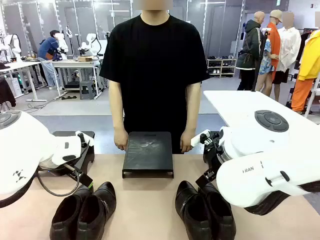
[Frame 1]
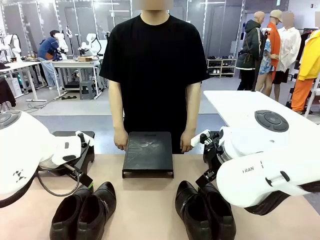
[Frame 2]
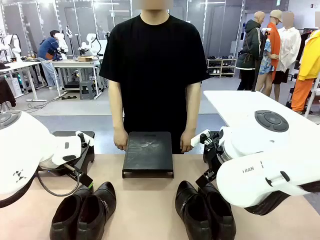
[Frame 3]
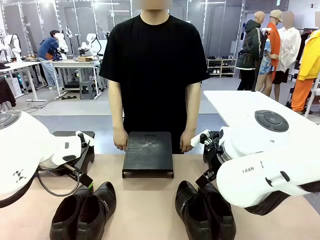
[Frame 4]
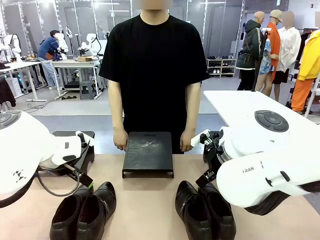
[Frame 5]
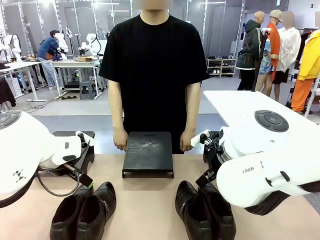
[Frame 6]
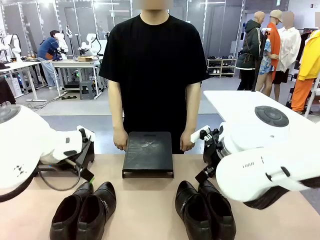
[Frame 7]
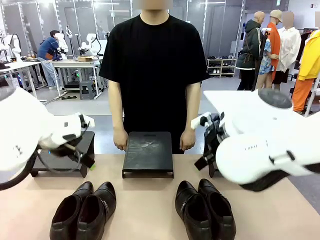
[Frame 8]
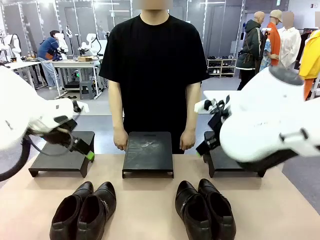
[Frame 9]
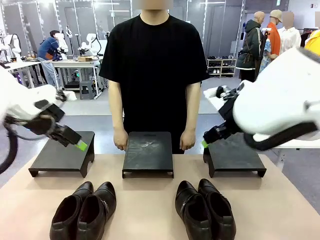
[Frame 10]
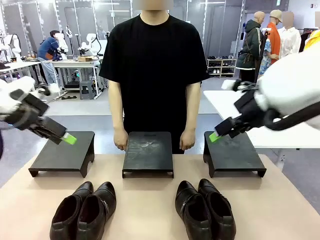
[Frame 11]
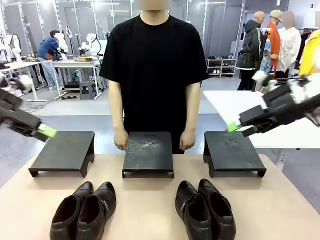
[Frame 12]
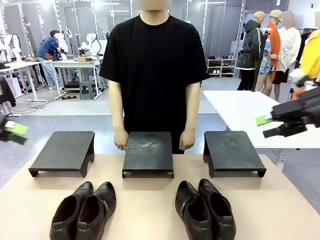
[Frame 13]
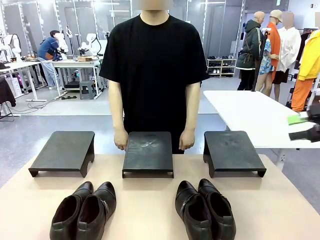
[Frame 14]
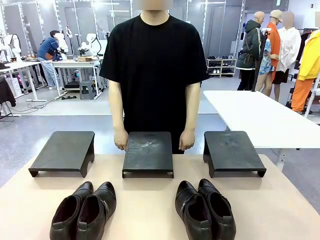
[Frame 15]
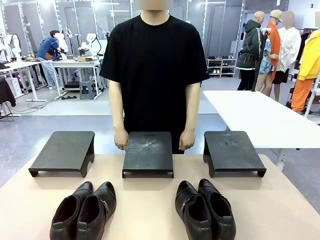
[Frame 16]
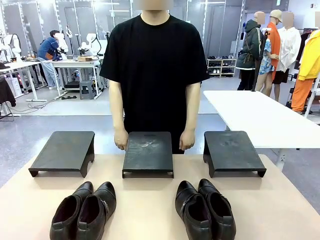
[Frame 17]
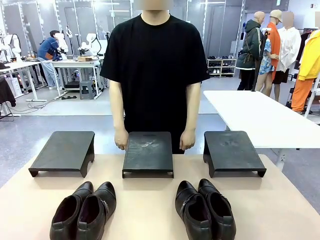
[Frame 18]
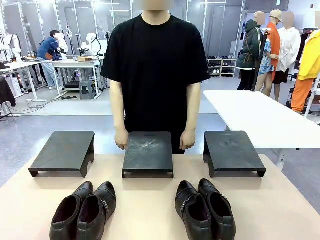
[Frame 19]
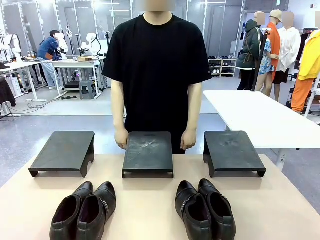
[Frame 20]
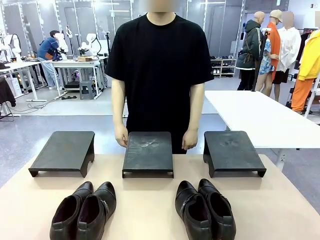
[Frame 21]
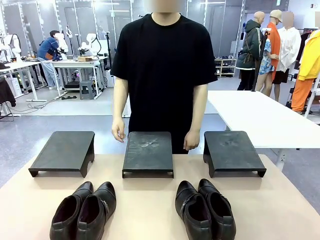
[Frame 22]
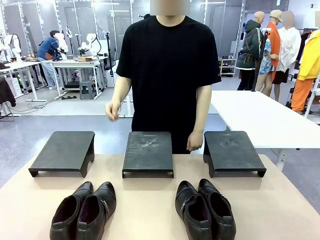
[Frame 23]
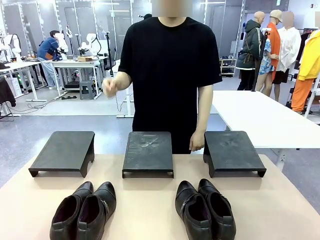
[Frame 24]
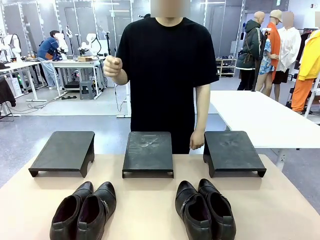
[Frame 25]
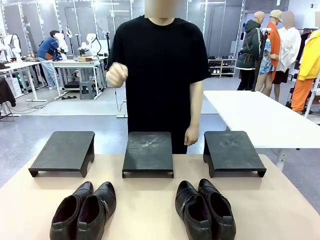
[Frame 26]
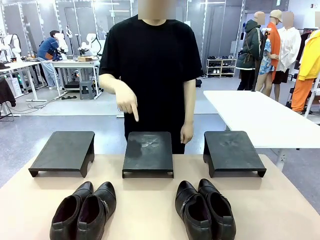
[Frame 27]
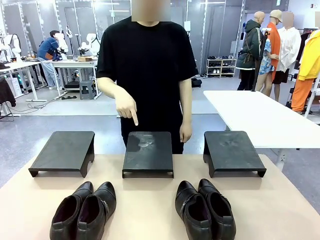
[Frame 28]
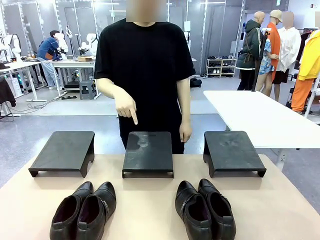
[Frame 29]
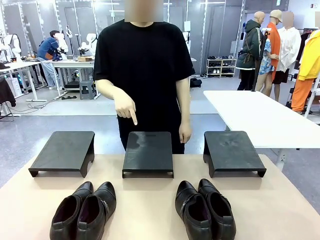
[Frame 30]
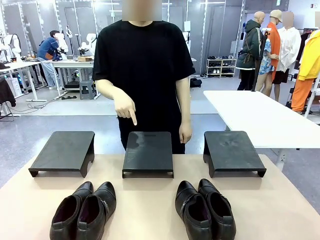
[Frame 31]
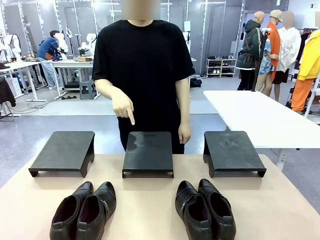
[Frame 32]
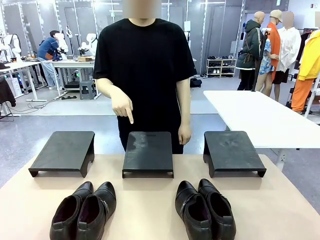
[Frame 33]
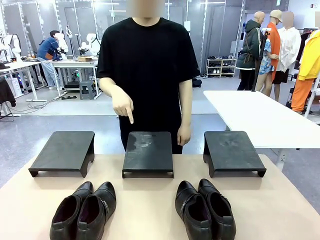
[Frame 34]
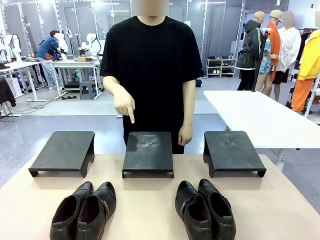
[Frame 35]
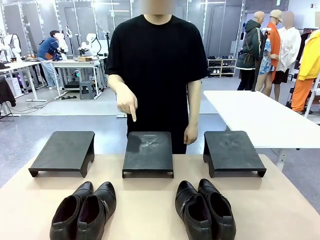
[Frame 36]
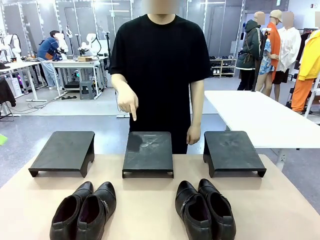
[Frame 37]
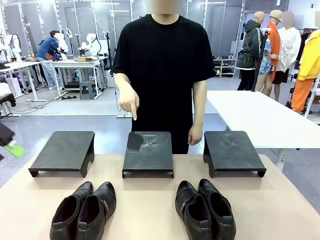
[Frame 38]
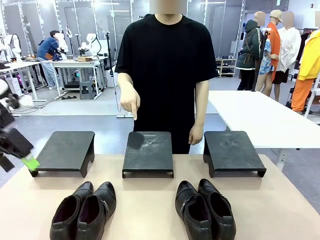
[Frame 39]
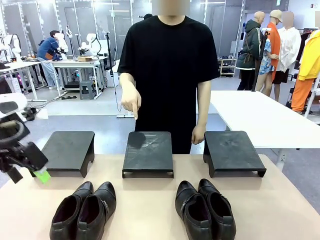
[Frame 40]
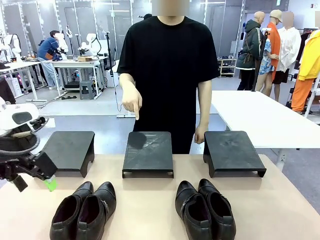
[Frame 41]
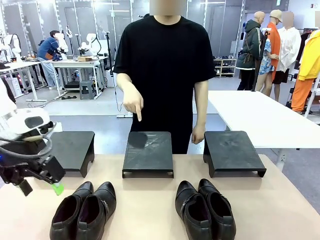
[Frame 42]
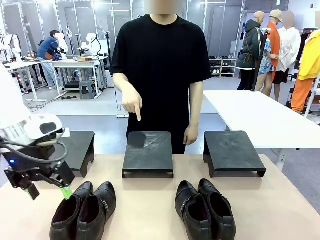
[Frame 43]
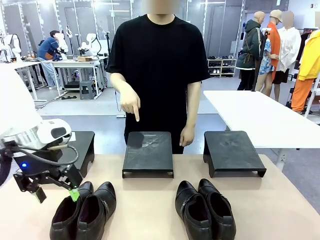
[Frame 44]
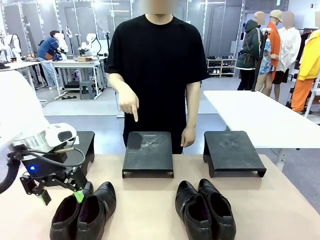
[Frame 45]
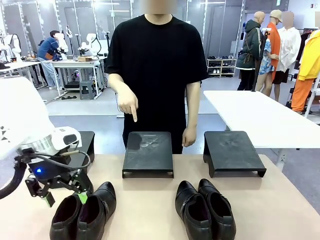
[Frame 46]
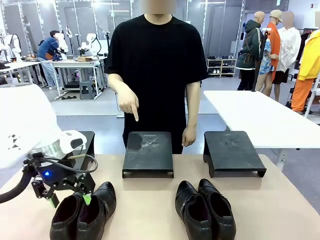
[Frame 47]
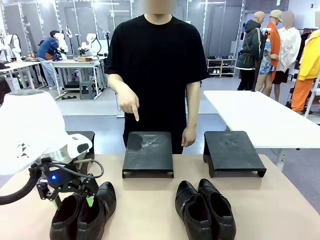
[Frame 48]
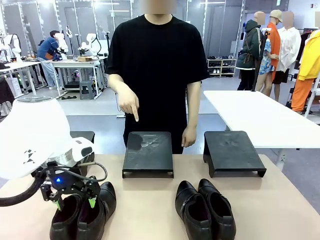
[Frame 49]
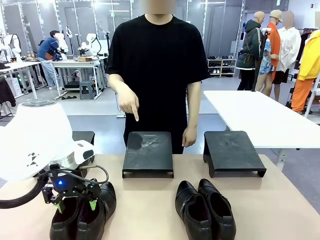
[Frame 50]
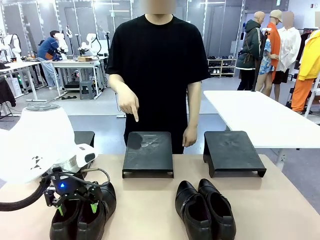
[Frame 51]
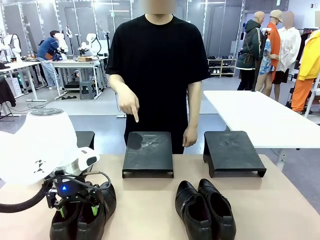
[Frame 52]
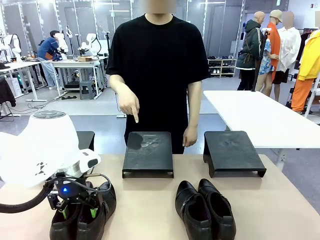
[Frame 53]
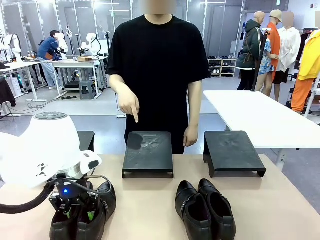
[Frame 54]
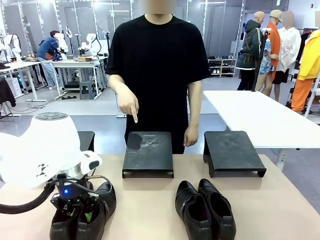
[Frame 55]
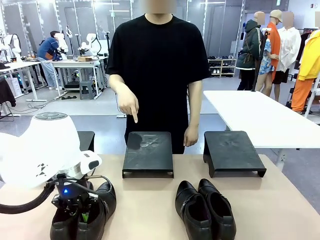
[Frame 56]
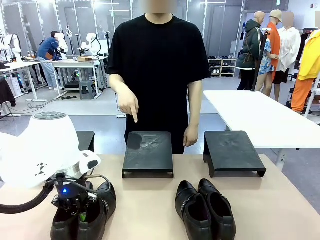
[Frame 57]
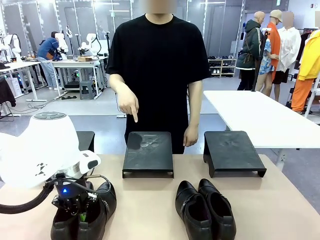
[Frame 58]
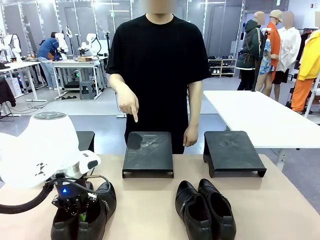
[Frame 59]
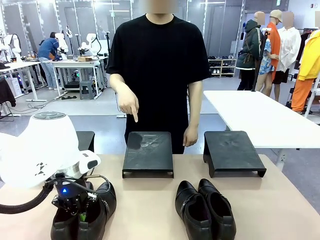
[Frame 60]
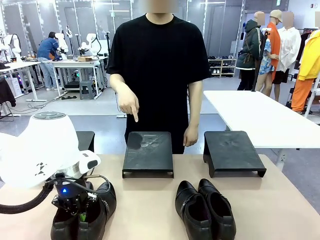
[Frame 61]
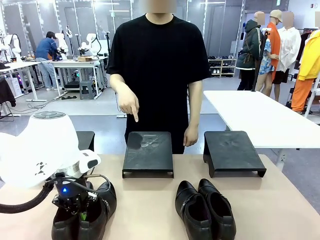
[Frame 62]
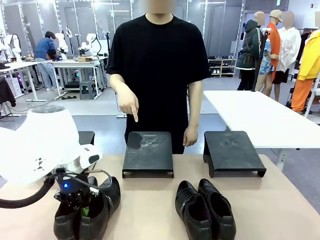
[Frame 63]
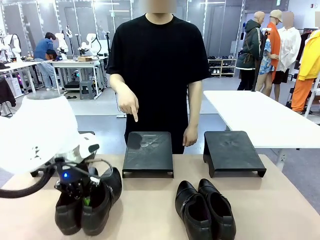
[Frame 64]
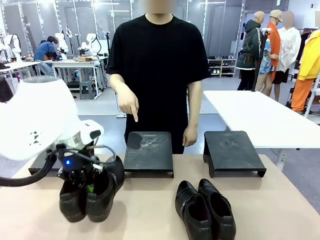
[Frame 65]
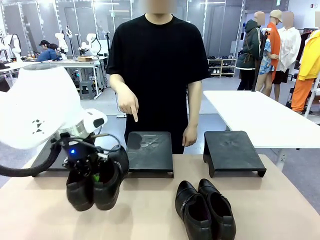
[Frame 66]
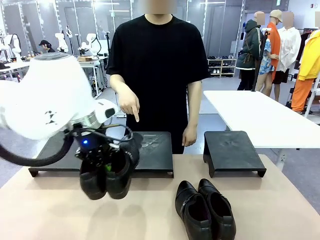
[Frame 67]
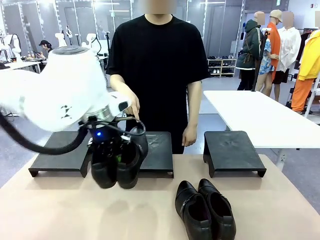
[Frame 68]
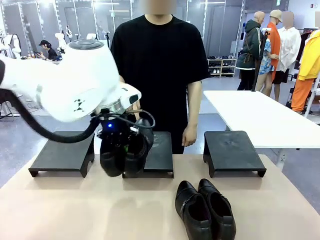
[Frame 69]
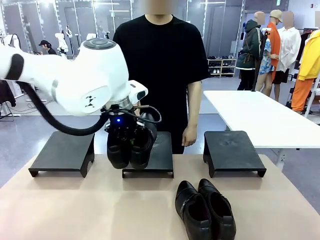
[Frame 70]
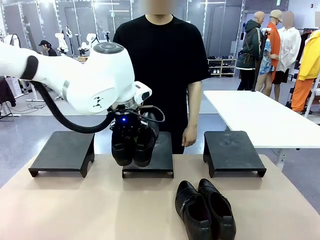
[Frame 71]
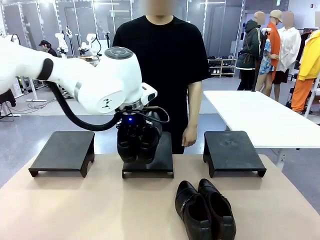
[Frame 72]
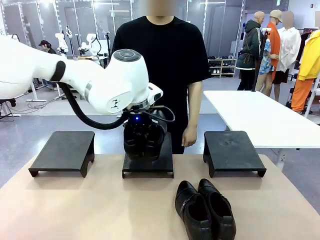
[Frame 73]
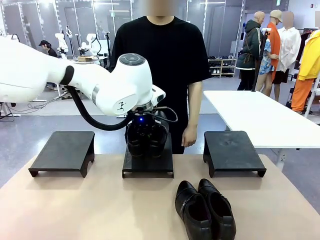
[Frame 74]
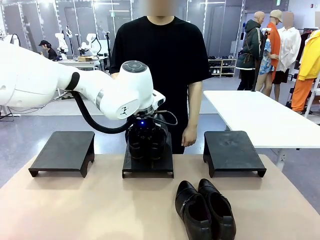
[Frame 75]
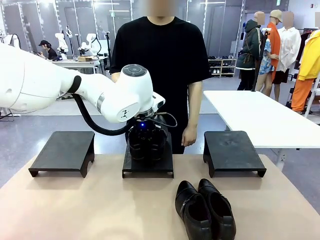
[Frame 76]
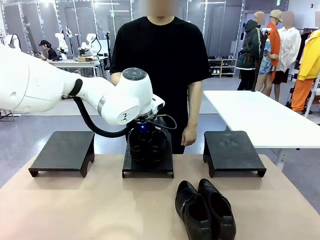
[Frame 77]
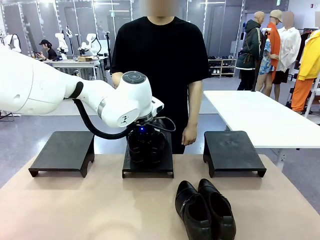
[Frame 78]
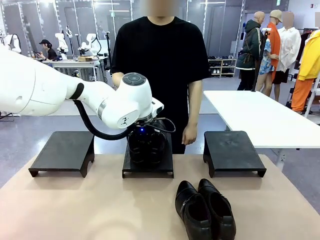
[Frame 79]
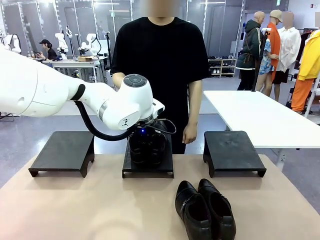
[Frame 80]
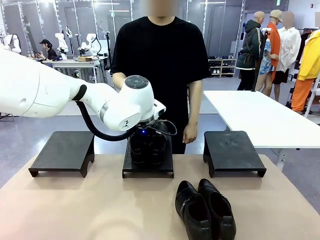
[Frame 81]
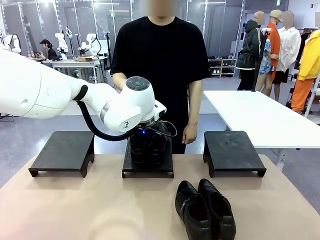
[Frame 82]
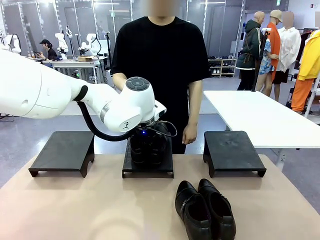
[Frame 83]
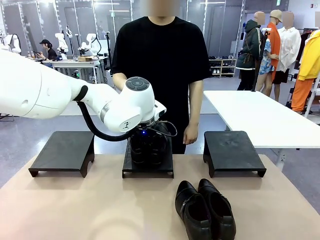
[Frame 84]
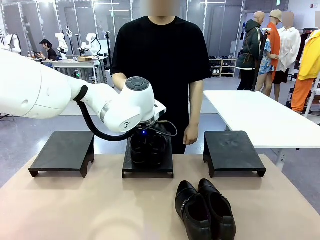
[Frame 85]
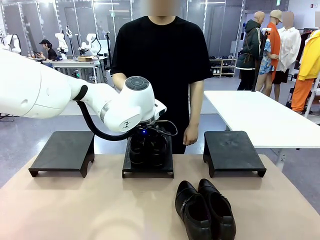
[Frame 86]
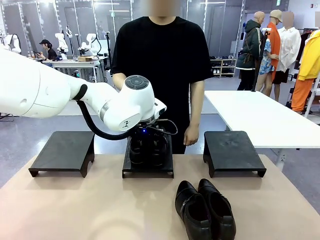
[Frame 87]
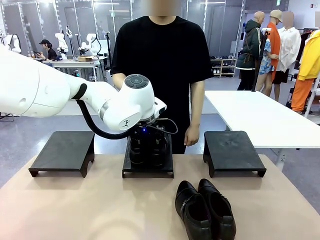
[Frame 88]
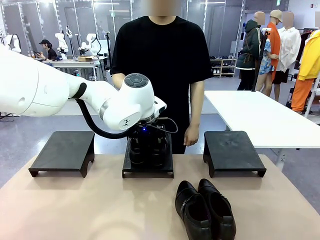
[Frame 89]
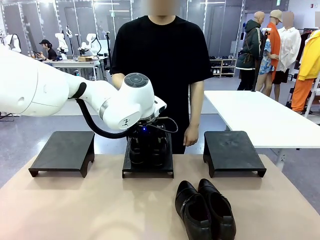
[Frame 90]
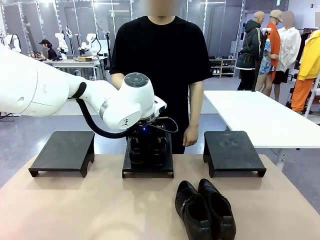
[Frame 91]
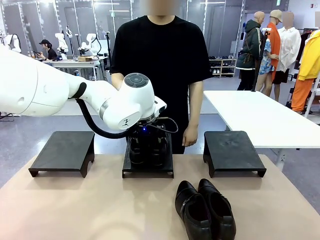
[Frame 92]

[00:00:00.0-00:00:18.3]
Task: Place the shoes on the stand as instructed by the person.
Robot: Pick up one pair of Shoes and place it on the Shoes Stand indicated by the person.
